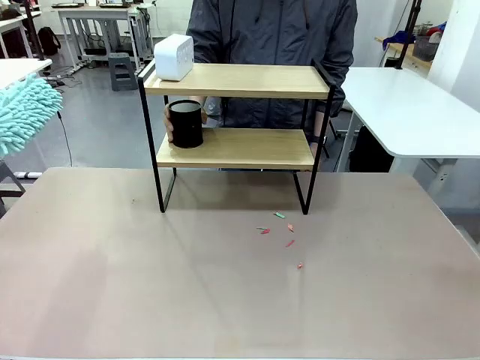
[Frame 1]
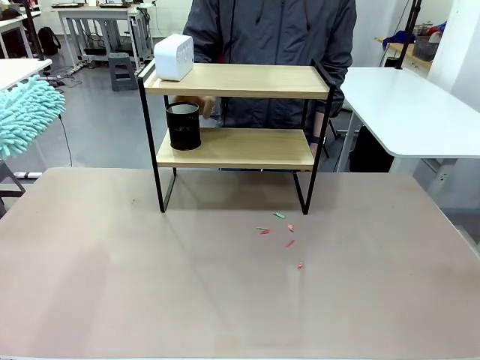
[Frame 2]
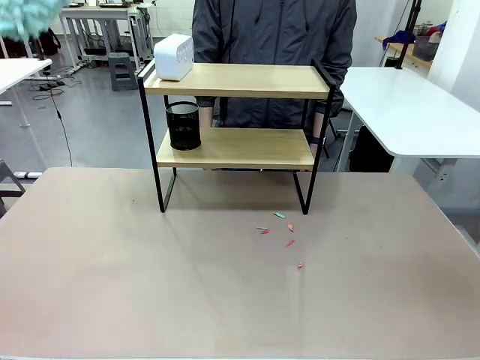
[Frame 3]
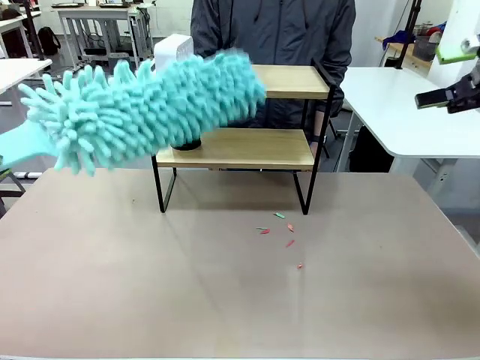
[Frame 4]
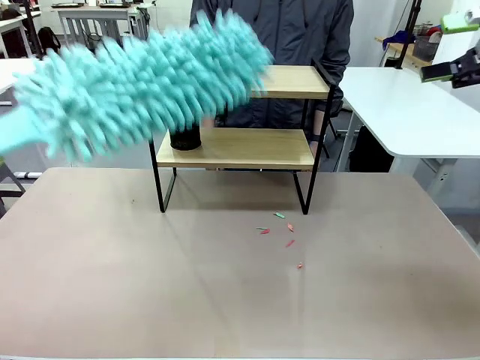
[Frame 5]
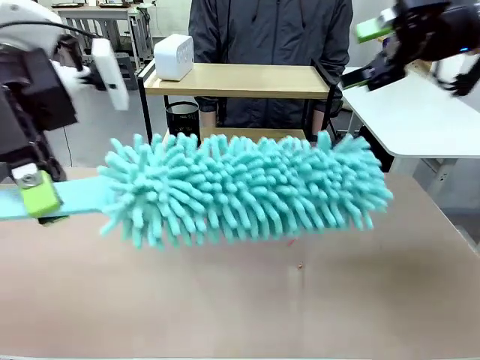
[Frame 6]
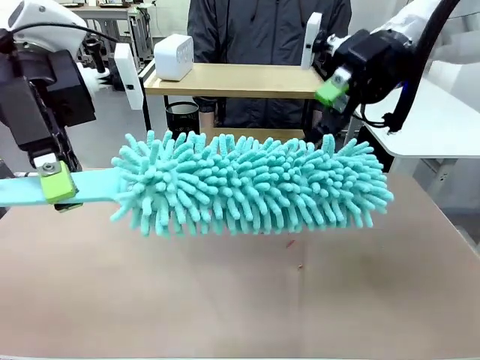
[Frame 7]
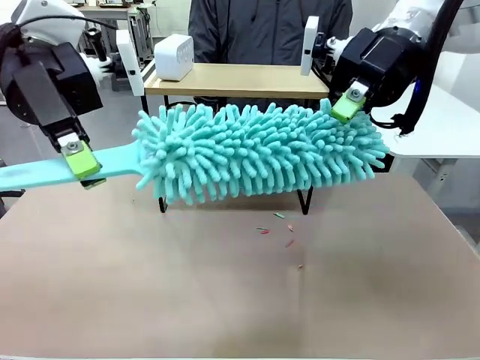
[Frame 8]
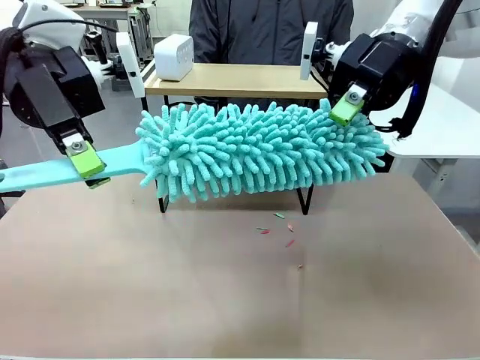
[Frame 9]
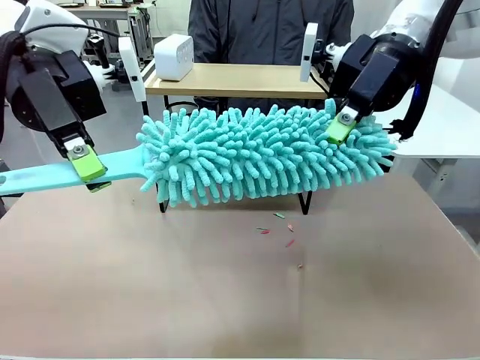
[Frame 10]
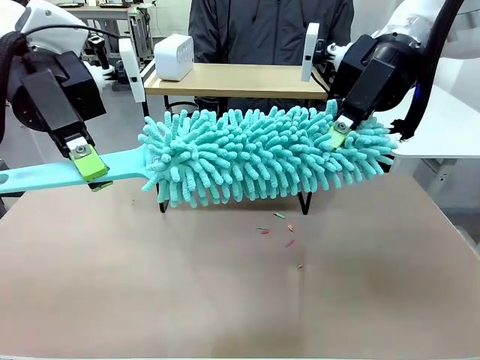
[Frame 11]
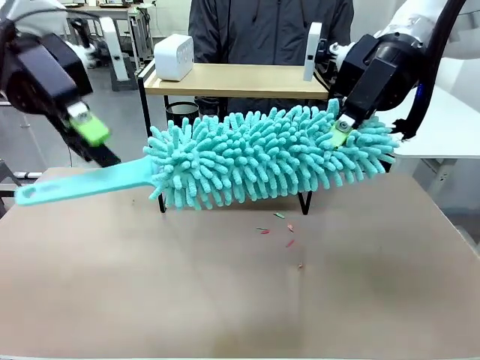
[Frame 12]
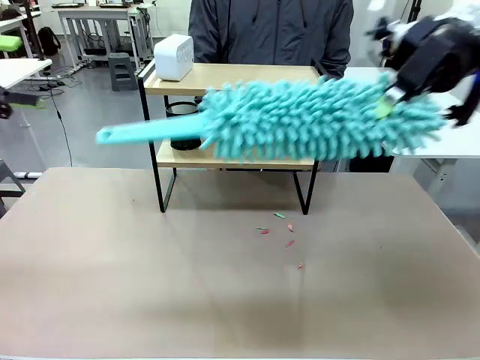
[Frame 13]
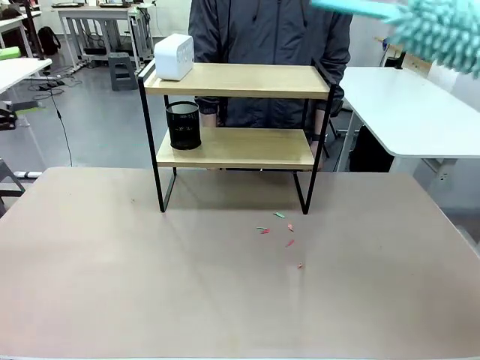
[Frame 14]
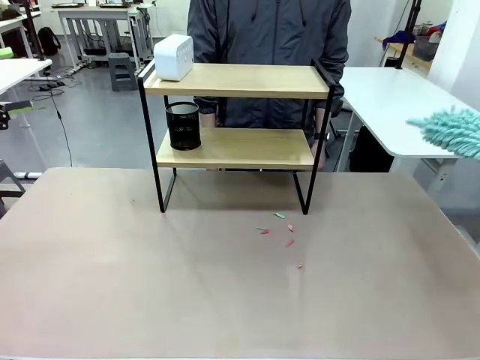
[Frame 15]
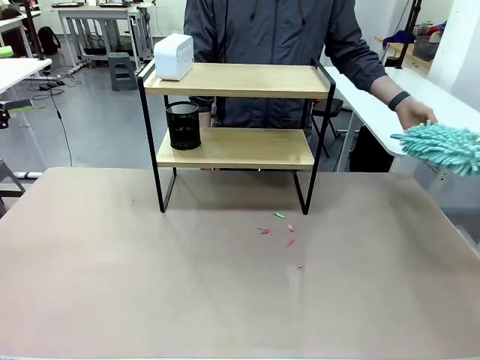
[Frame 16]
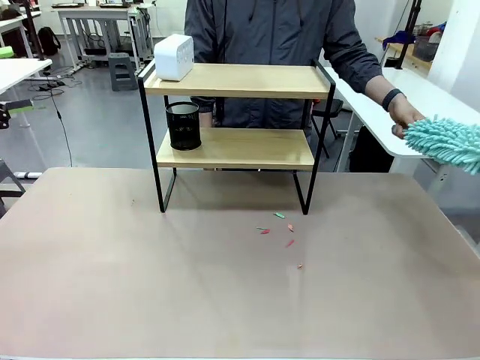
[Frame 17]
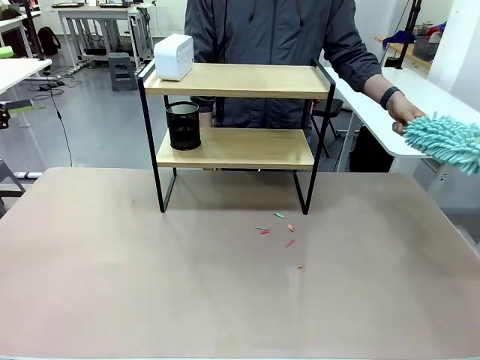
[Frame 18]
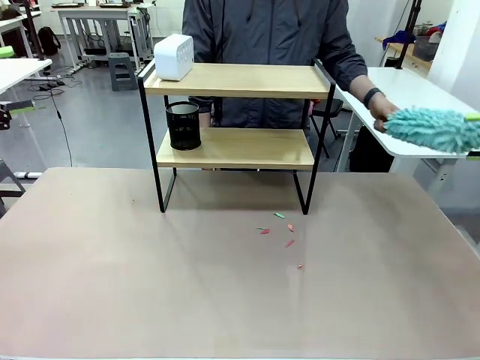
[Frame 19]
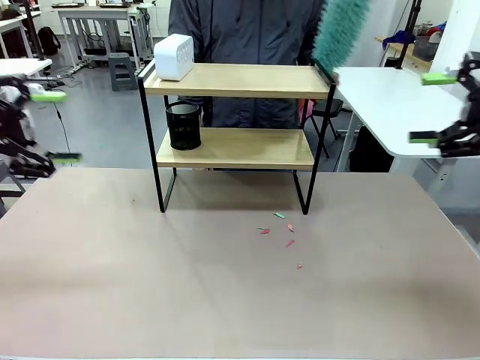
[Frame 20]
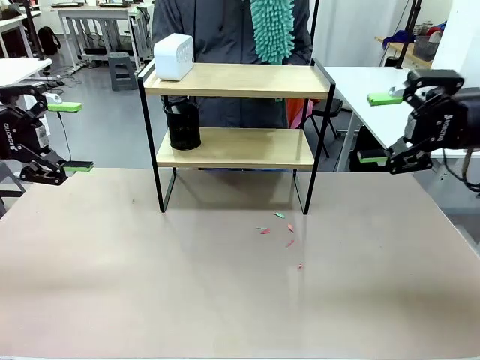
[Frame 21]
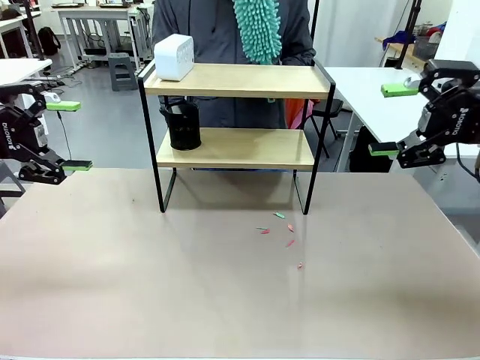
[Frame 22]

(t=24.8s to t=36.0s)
Task: Clean the shelf.
Robot: Hand the Duster back to the human.
Person: Receive the Duster from the robot.

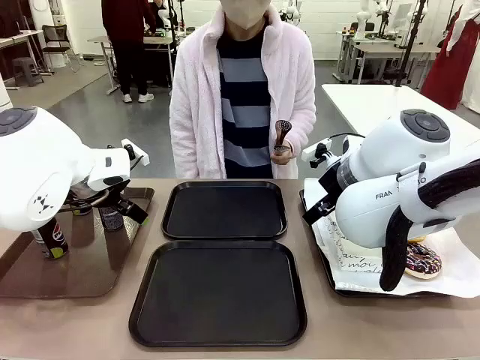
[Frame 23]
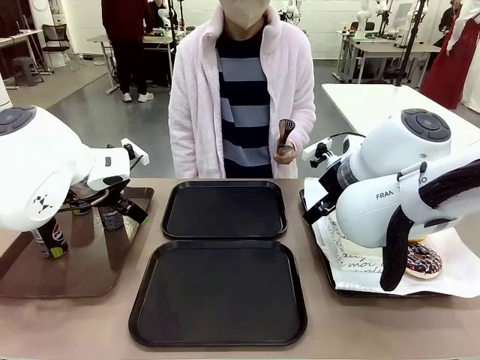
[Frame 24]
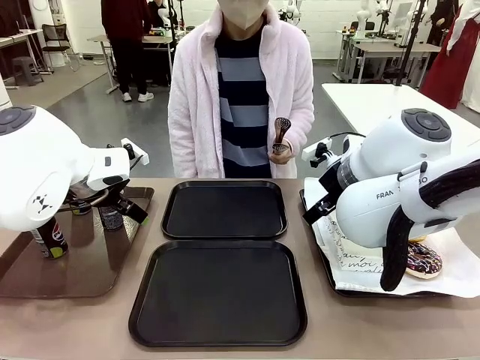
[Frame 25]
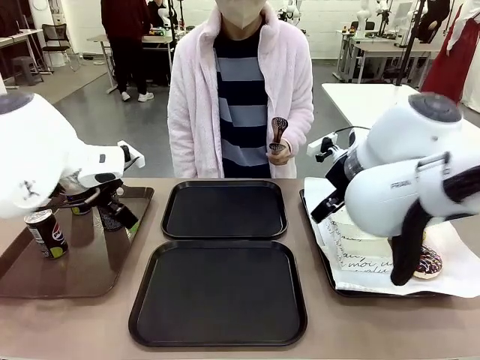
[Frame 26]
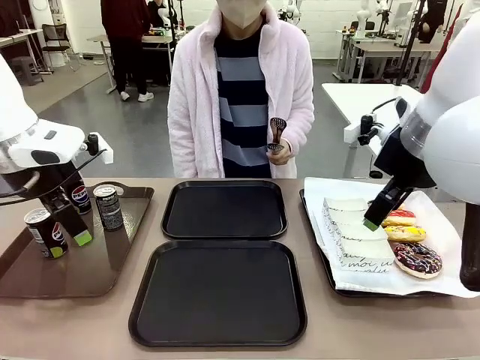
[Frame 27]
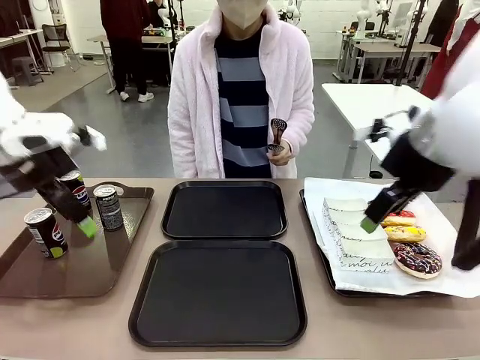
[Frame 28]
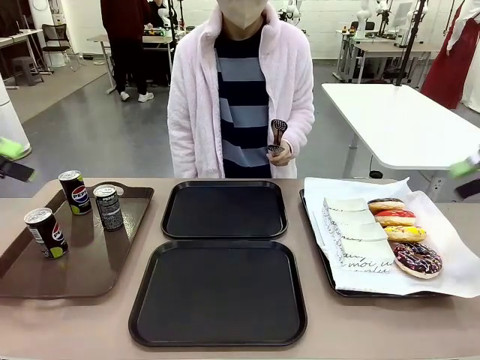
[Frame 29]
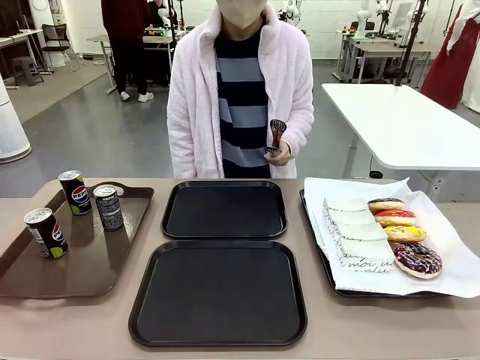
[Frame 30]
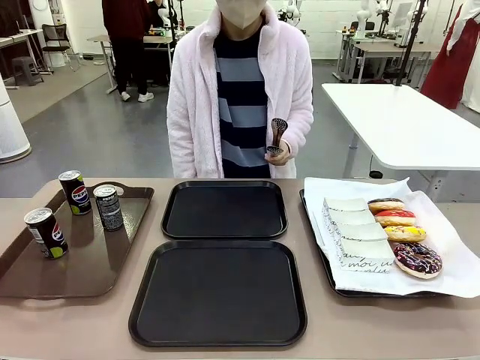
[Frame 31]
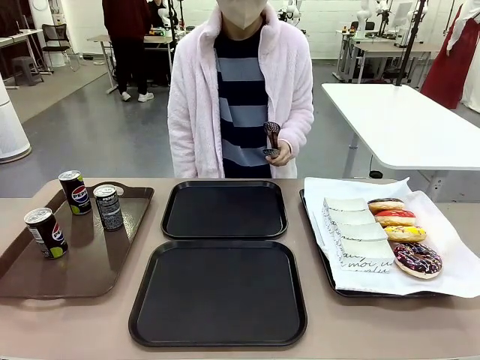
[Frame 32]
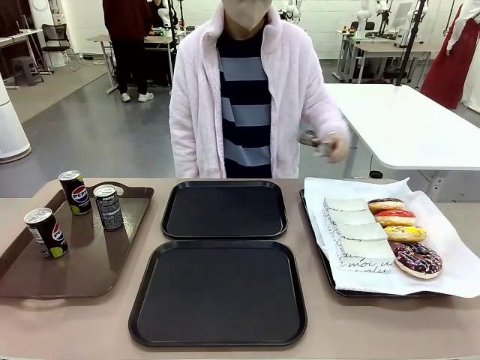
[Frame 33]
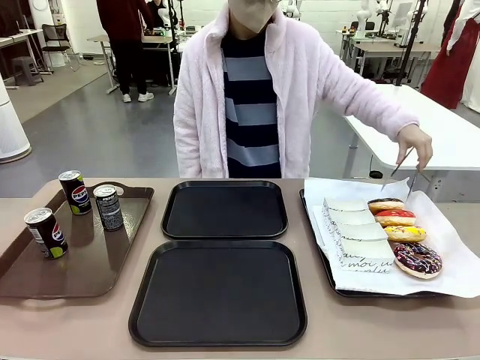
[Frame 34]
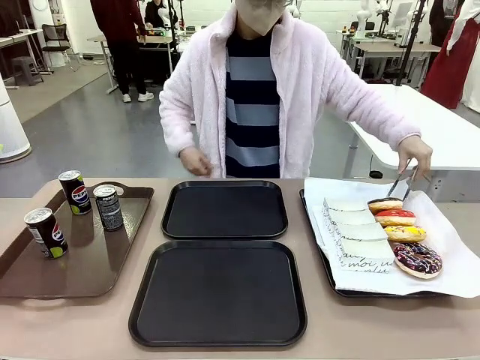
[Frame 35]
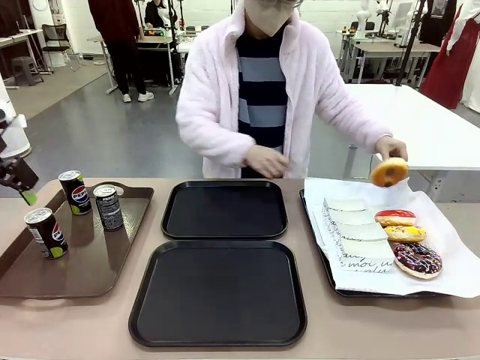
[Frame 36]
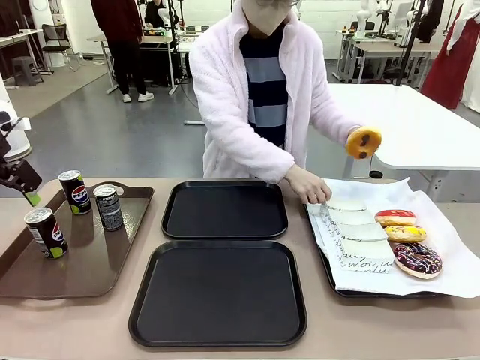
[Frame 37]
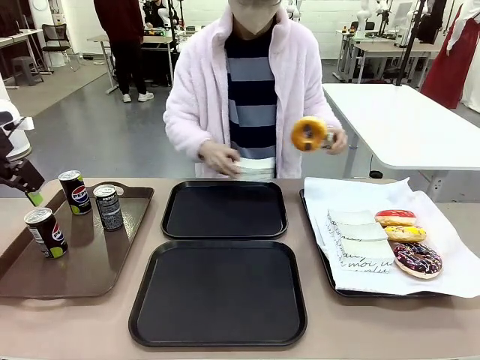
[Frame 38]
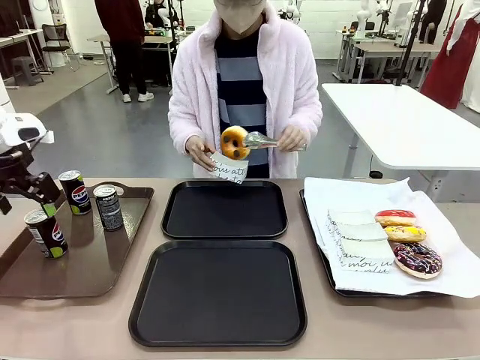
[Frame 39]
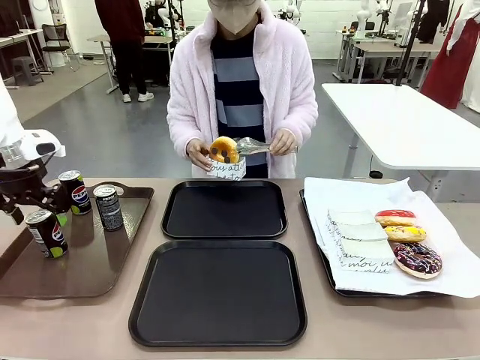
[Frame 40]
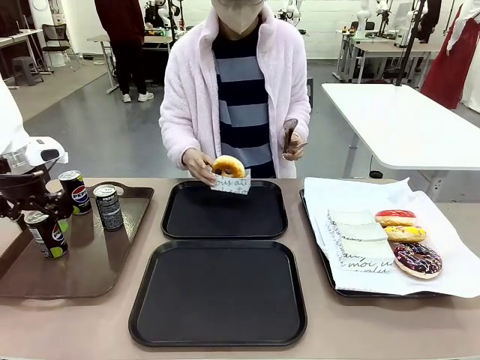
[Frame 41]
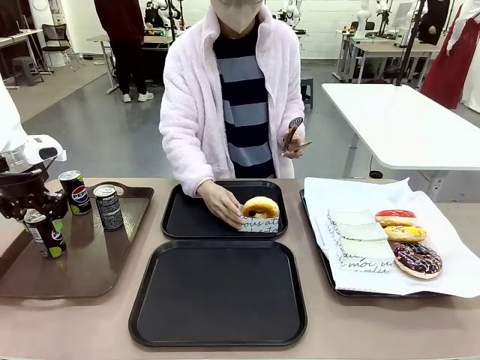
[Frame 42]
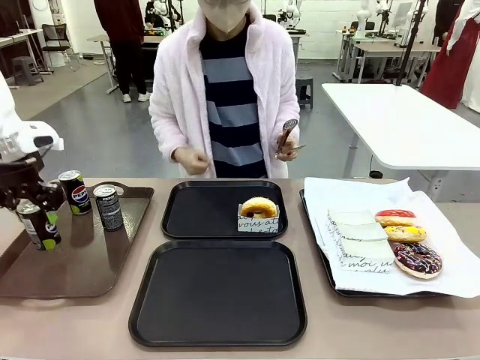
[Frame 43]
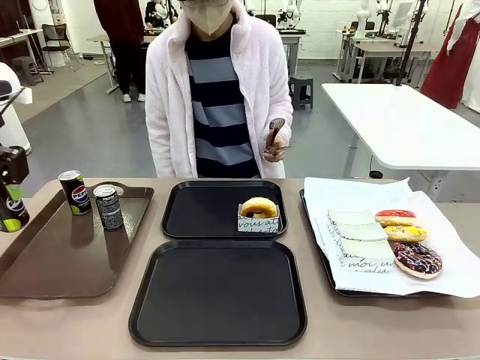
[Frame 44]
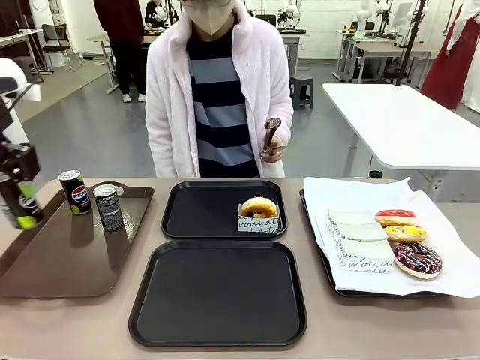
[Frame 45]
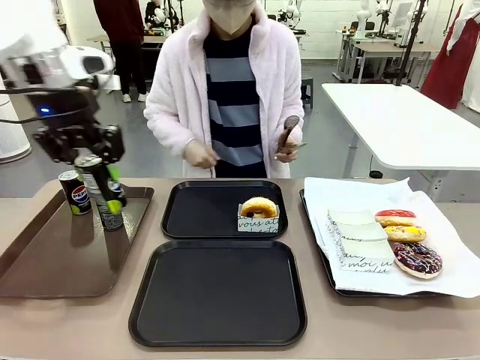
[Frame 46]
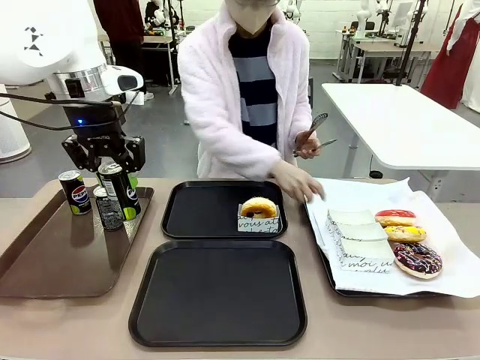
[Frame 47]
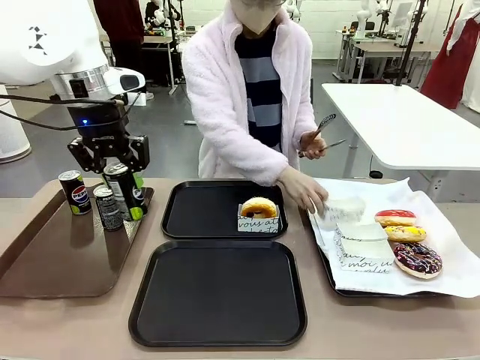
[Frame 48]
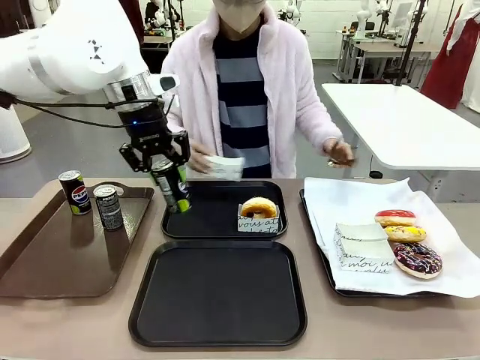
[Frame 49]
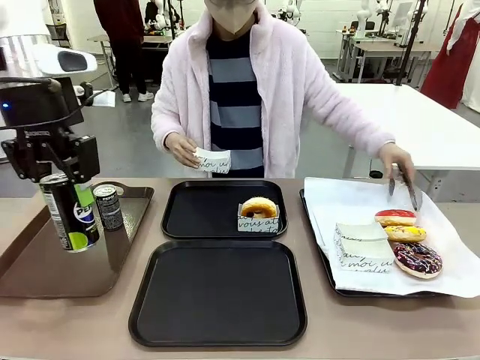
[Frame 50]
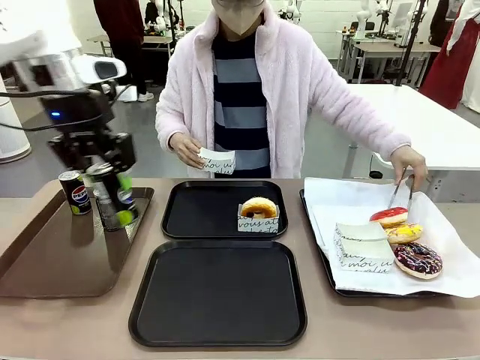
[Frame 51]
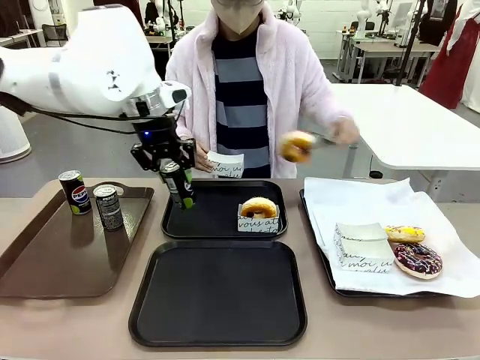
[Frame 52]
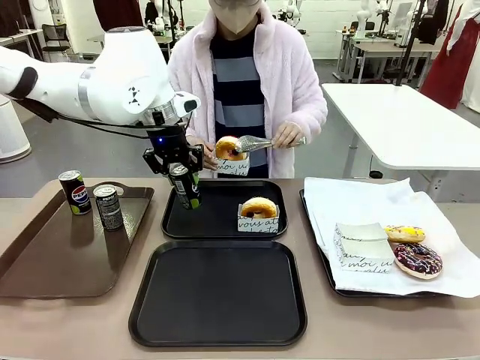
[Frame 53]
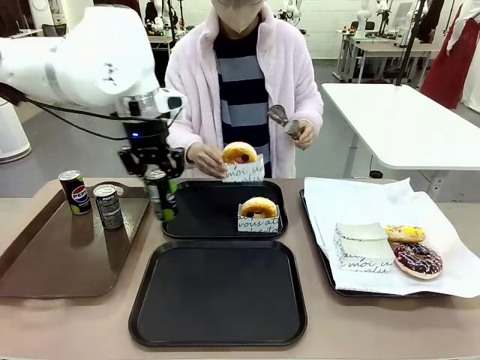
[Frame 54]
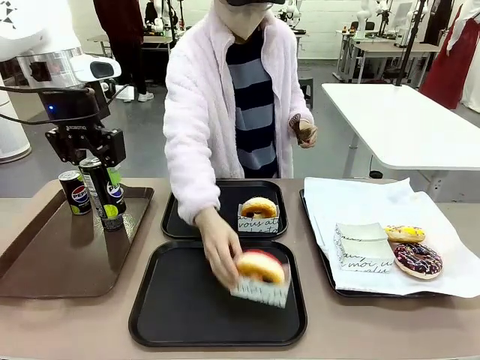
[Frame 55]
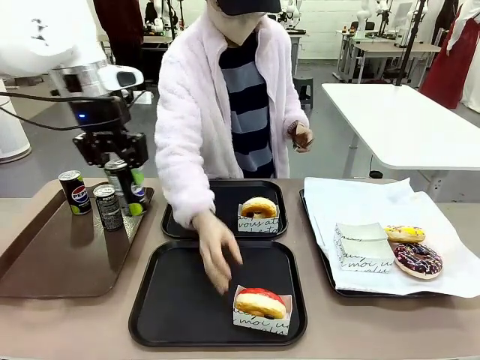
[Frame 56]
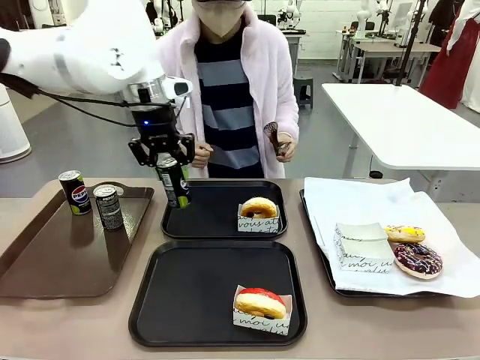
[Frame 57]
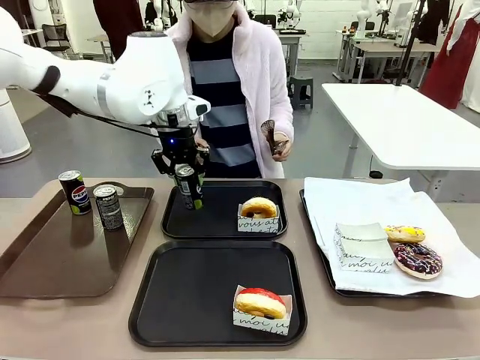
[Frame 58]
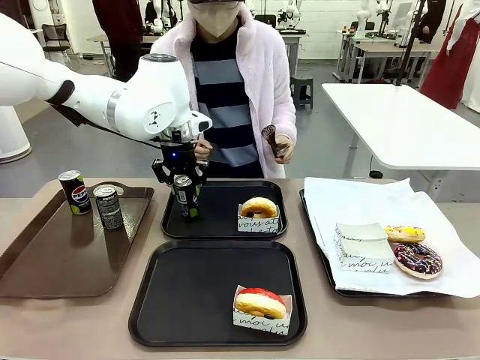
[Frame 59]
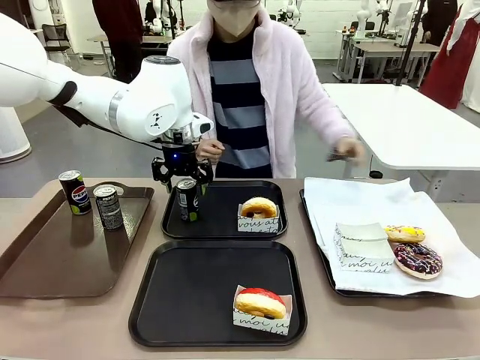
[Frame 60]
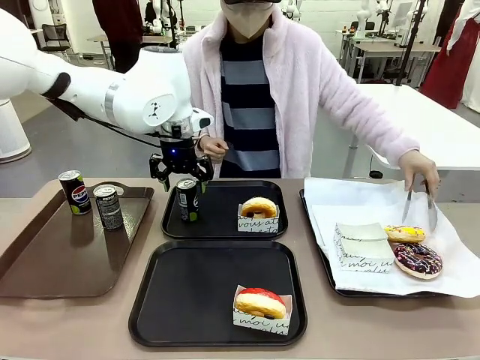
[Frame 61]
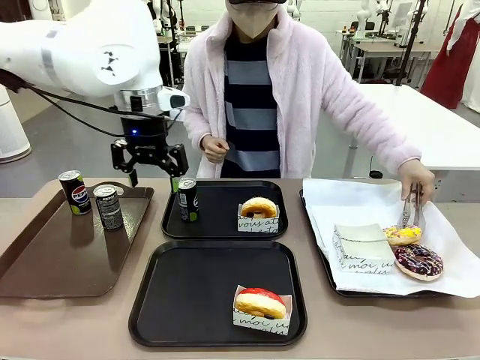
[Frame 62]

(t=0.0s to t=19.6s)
Task: Set up donuts and drinks on trays.
Robot: Pick up one Pepsi coke and place it on the Flat Tray.
Person: Pick up one donut with tongs, place it in the donut tray, and then place the donut tray on the flat tray.
